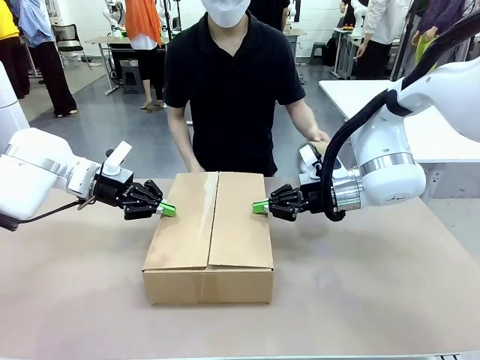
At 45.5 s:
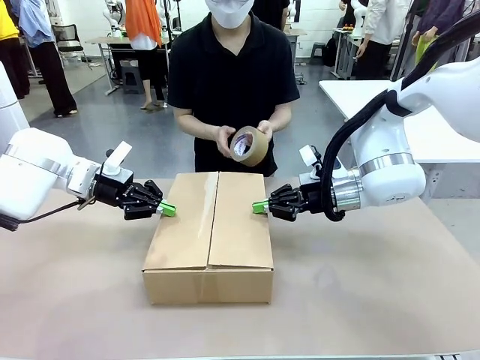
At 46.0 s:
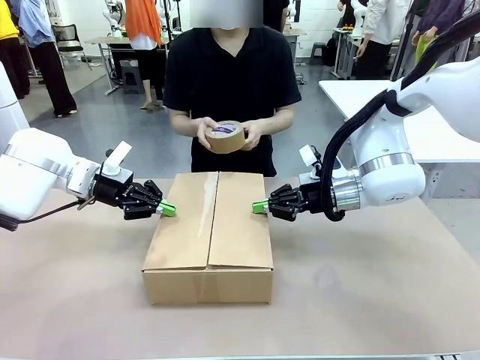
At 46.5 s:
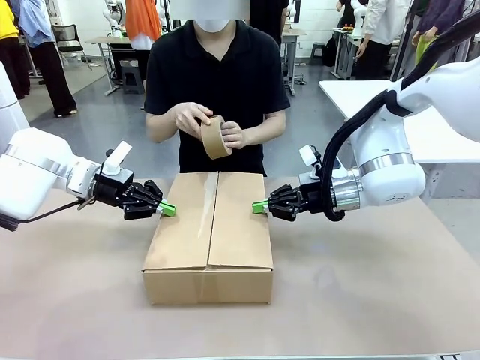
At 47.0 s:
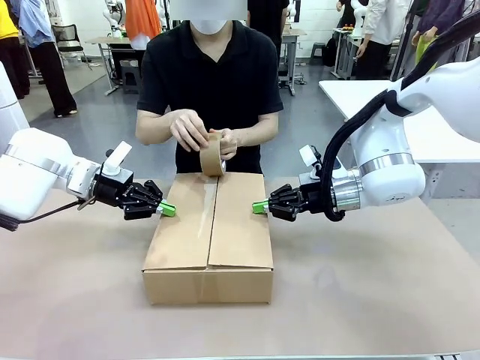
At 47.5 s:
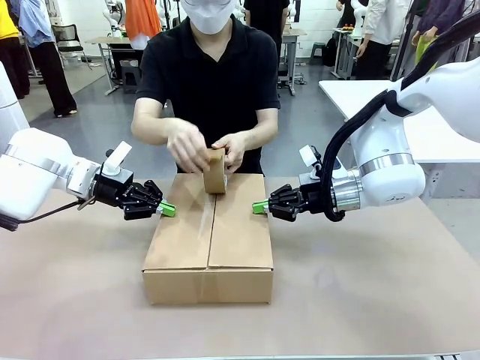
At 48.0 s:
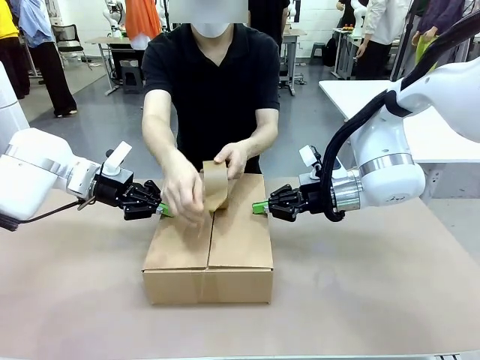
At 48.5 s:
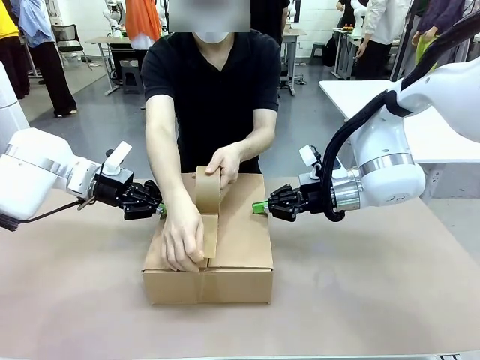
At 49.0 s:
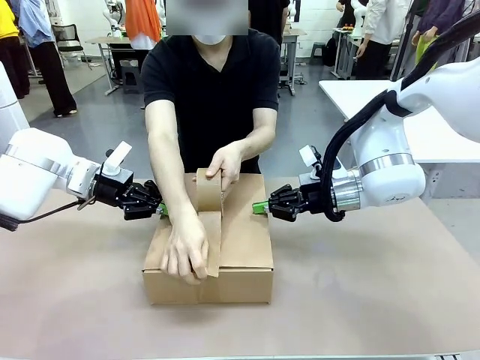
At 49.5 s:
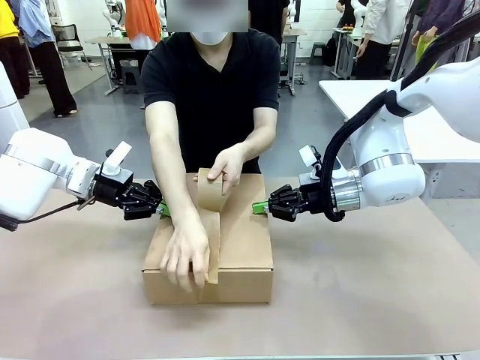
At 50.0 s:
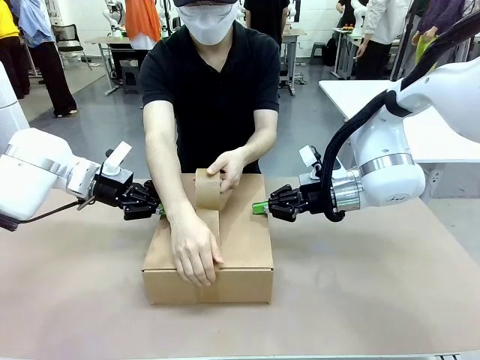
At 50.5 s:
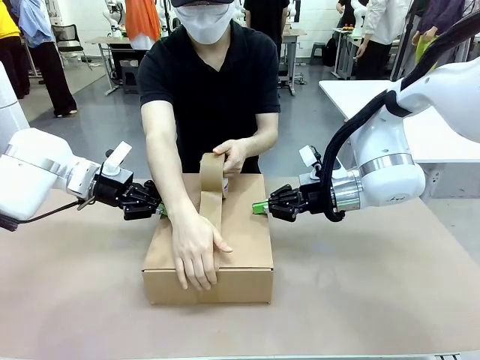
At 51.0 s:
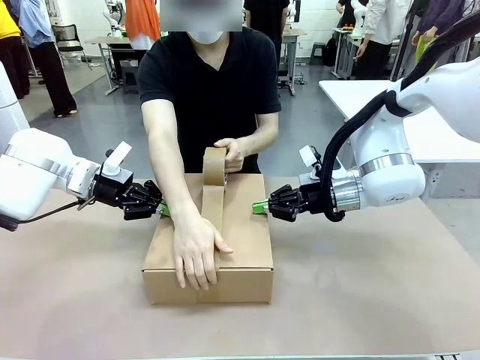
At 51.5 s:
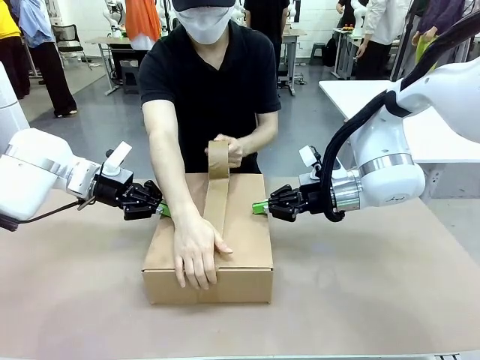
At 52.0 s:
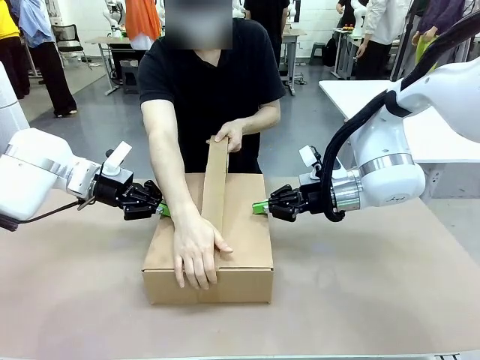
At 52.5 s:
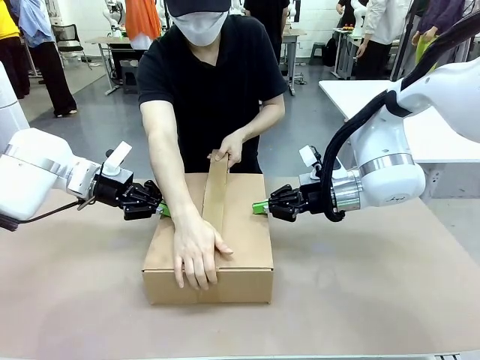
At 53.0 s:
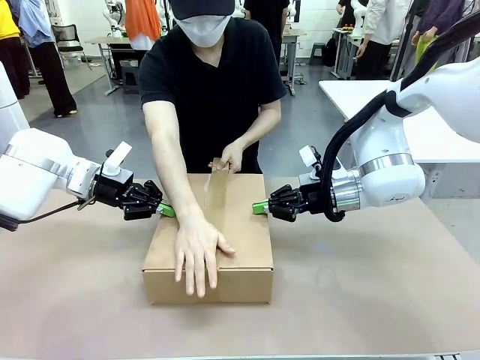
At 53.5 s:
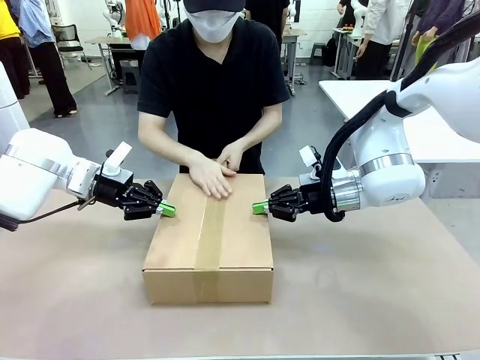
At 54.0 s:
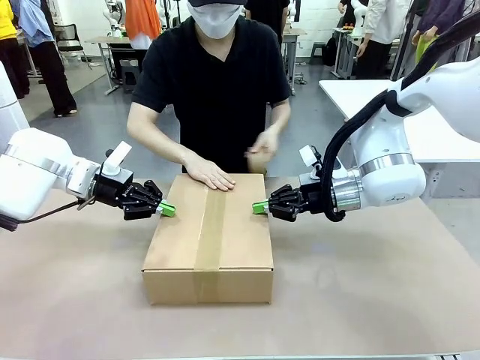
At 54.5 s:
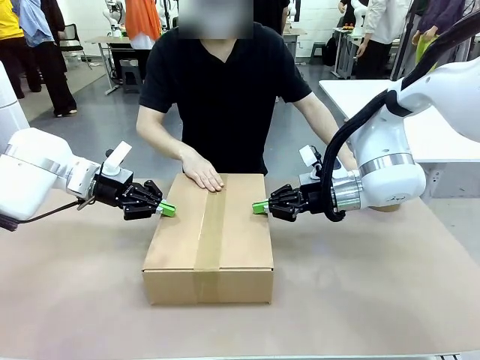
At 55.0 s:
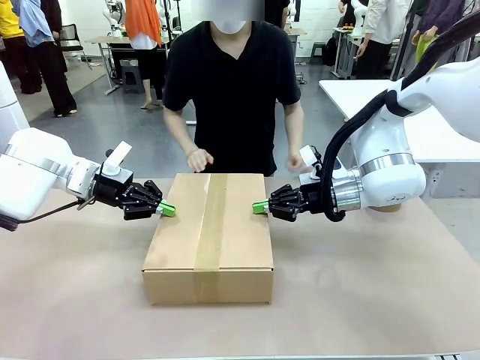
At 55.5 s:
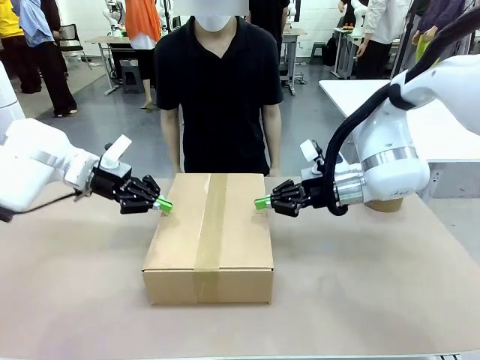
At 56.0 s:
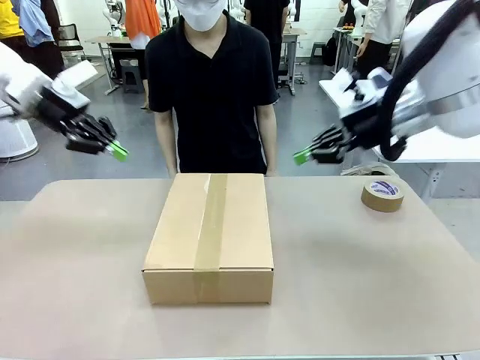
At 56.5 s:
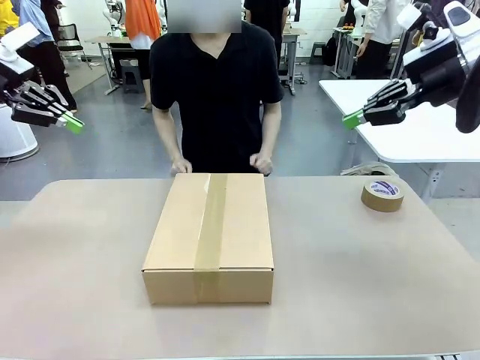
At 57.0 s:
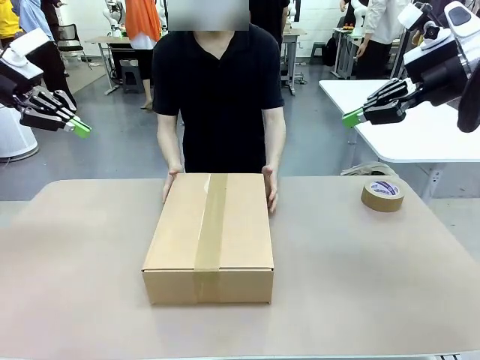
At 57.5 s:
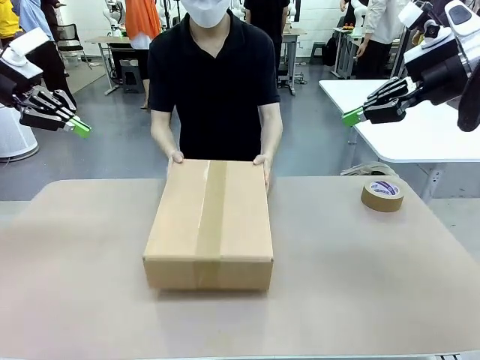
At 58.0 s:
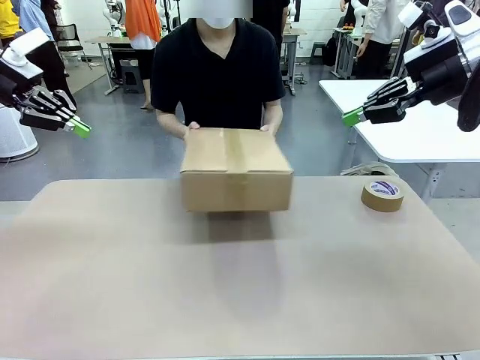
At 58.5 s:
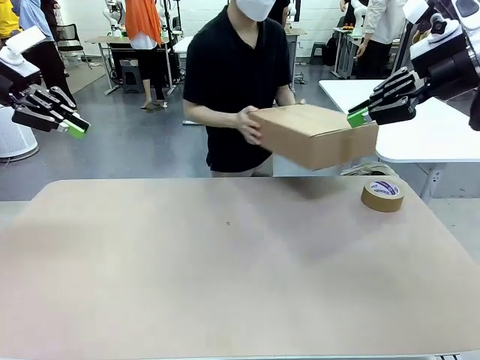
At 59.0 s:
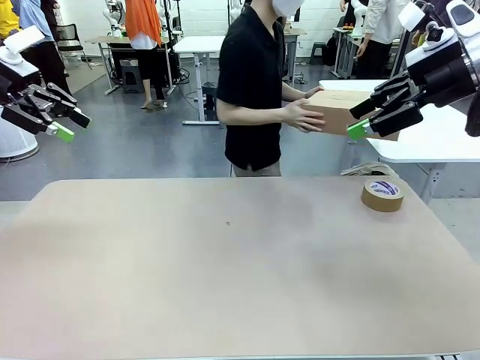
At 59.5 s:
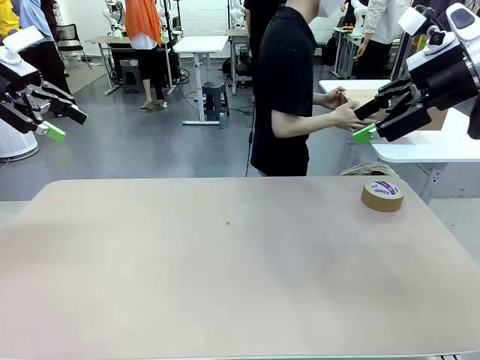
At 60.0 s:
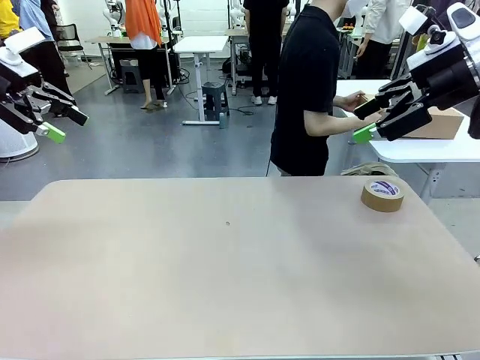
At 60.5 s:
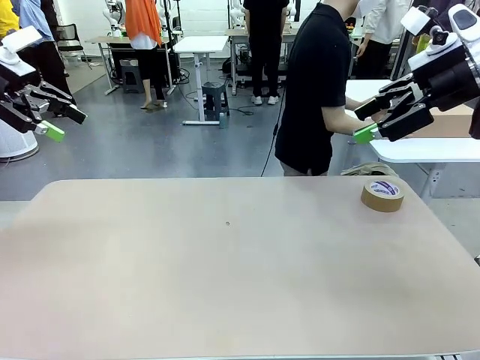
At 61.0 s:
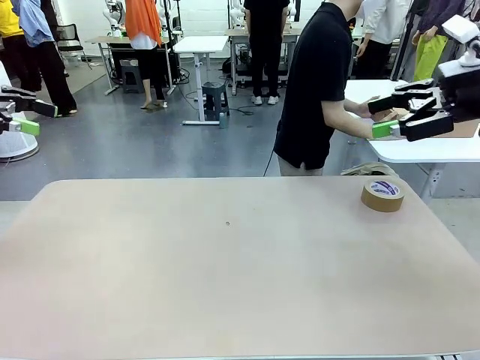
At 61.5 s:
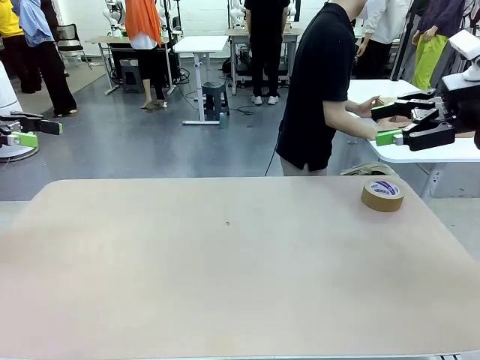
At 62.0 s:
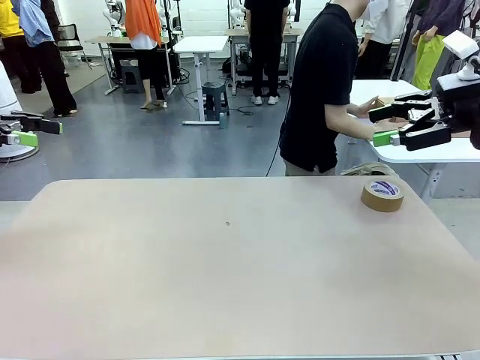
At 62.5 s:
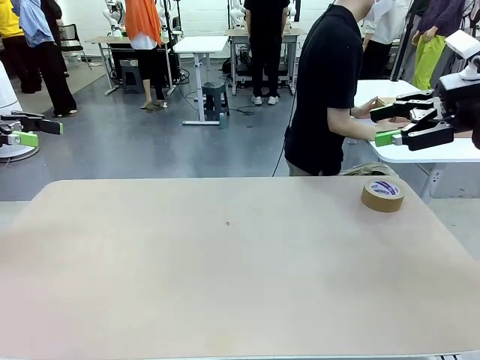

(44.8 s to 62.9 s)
Task: Wrap the clocks to prevent damage.
Robot: After the human seals the box with tape, release both hands from the side flaps of the Package Box.
Person: Once the robot closes the left flap of the Package Box , seal the box with Paper Tape. Place sealed Package Box in the middle of the human's table.

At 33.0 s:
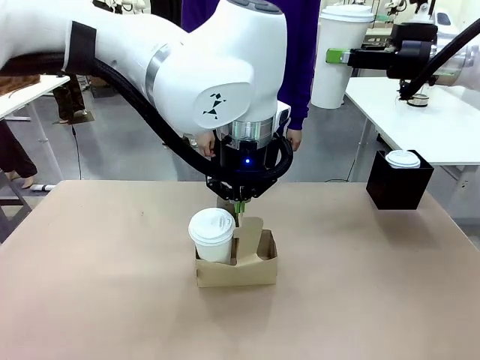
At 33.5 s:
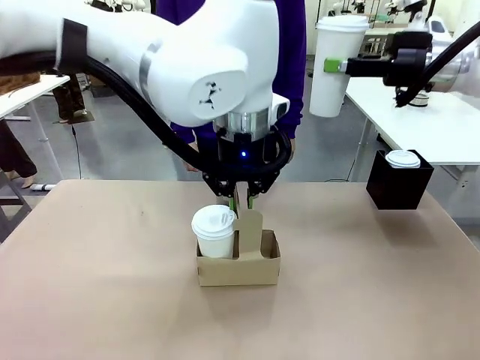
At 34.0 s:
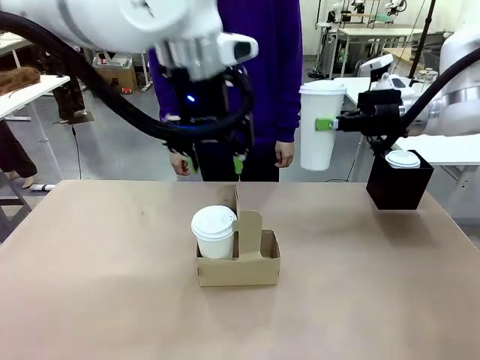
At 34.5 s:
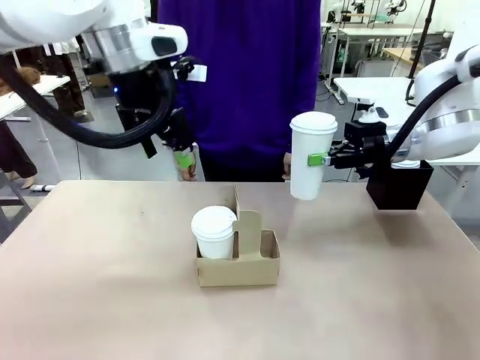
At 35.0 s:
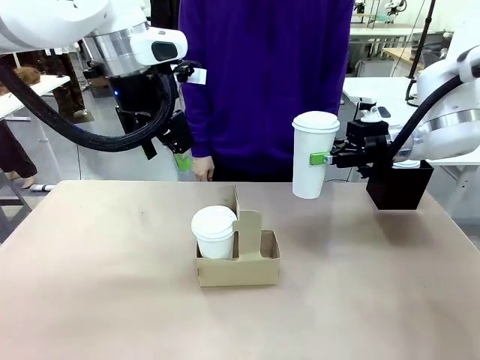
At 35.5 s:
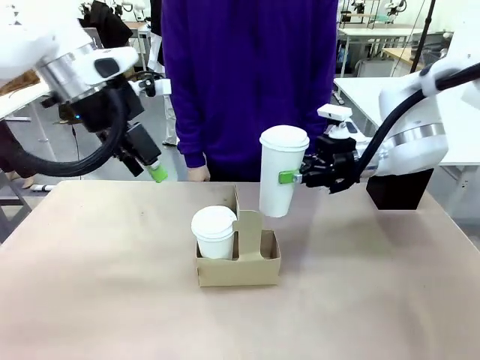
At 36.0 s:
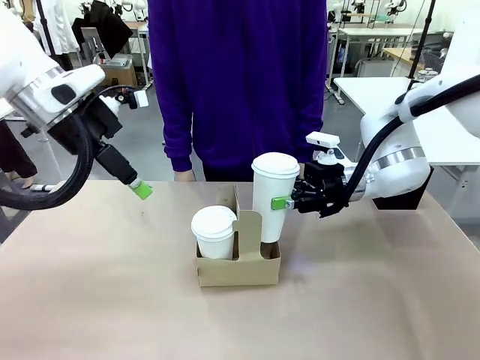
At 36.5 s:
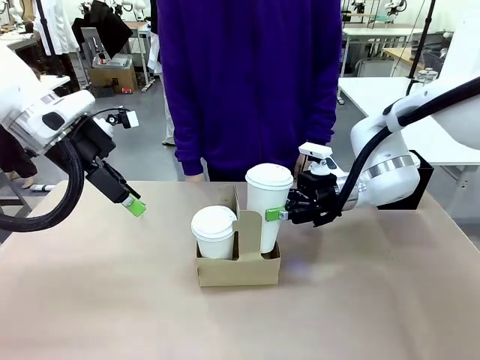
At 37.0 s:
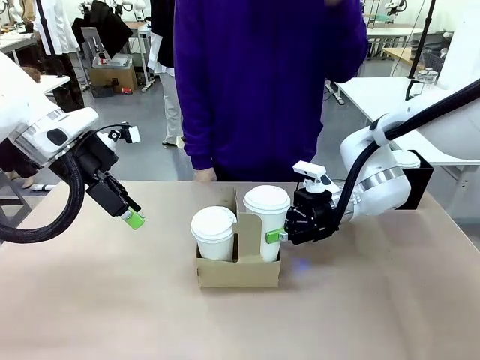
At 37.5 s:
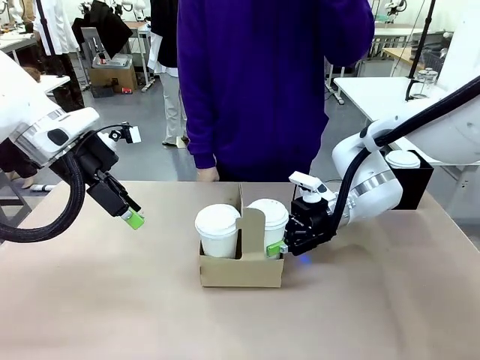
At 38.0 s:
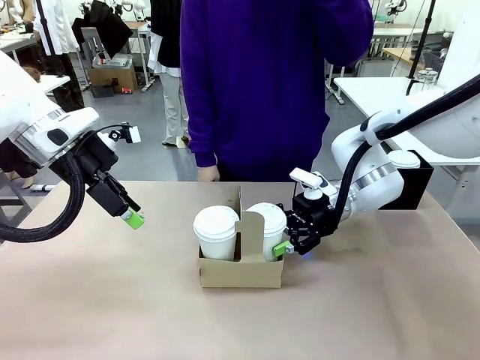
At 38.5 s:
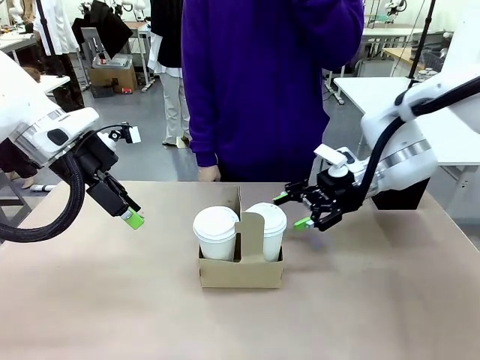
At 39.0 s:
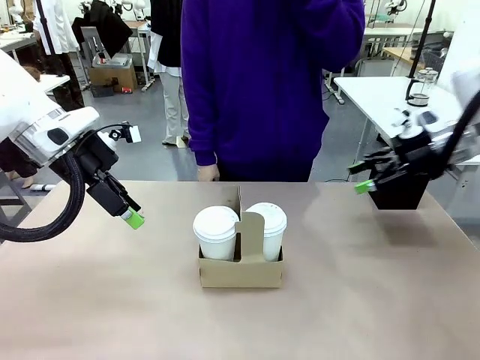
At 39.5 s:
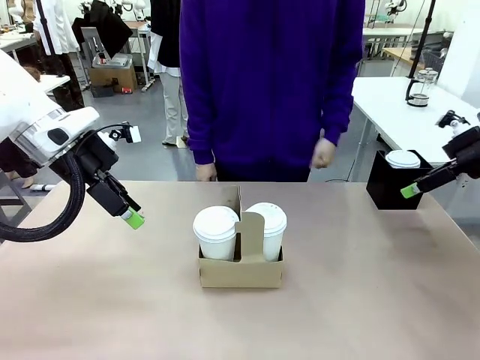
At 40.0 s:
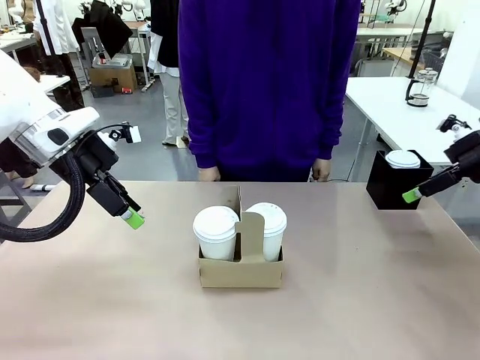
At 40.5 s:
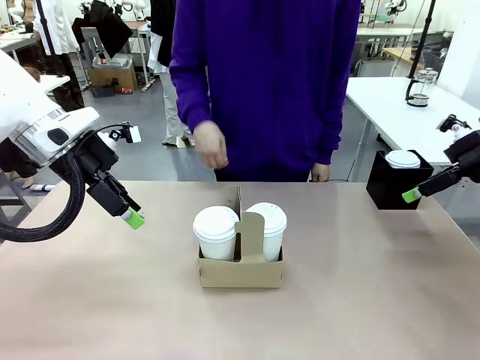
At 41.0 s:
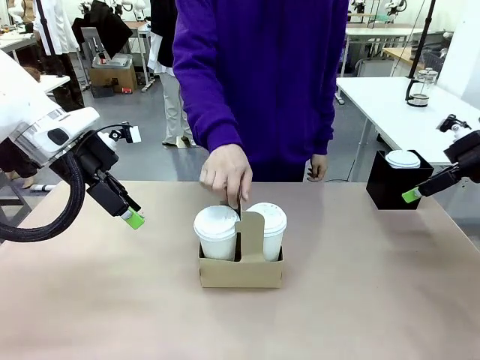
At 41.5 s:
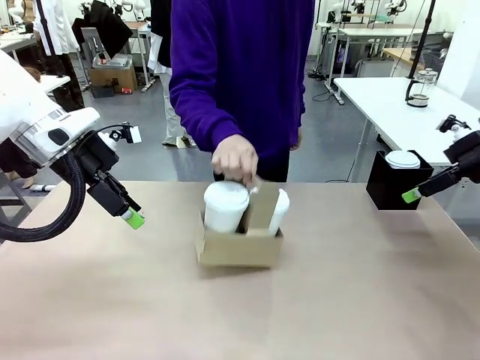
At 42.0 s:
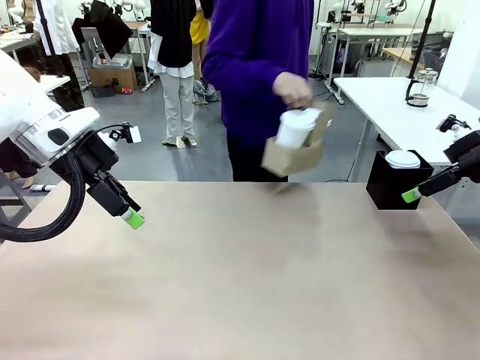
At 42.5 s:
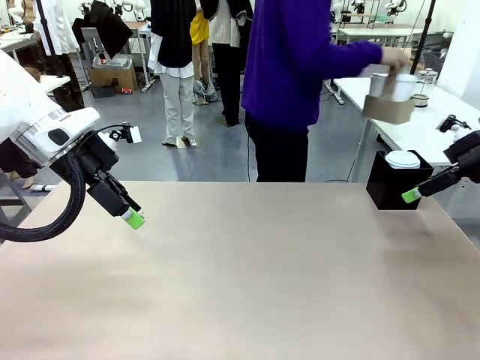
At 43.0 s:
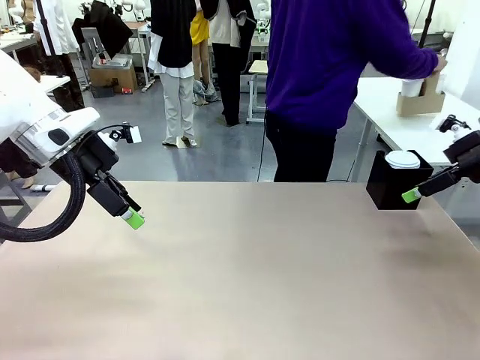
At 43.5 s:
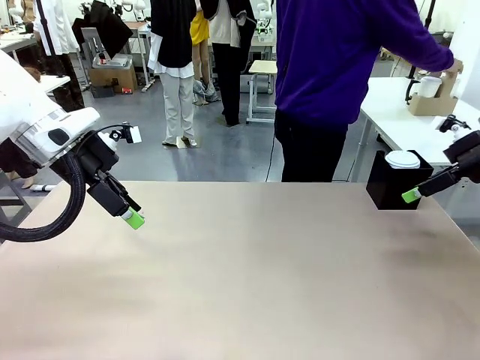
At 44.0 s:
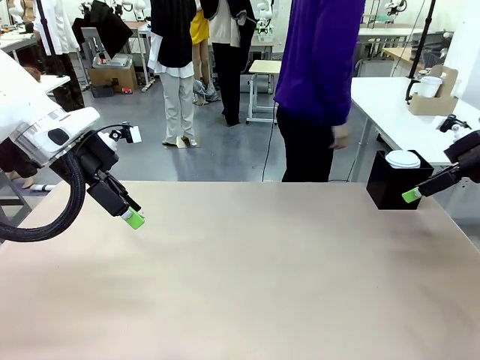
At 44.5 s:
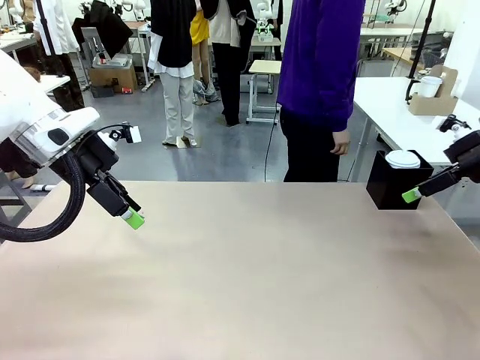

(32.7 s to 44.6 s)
Task: Pour a drink into a cup and package it in a carrier.
Robot: Insert the held 600 ml Paper Cup into the Cup Carrier.
Person: Place the Cup Carrier to the middle of Human table.
